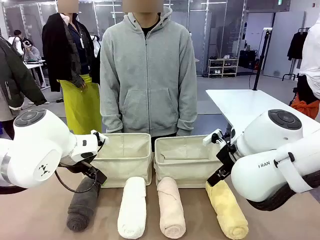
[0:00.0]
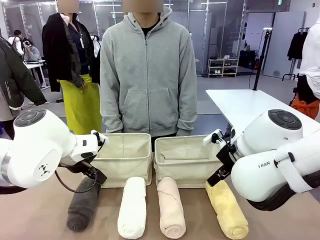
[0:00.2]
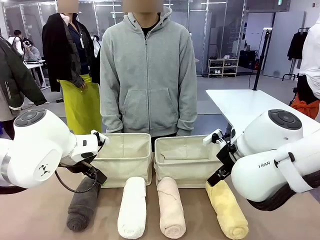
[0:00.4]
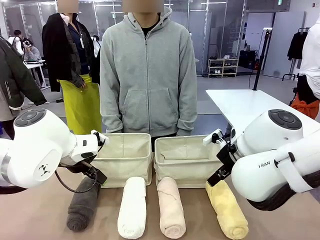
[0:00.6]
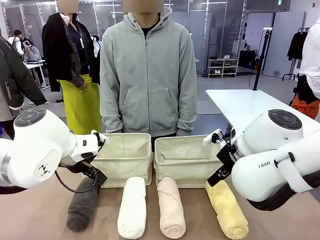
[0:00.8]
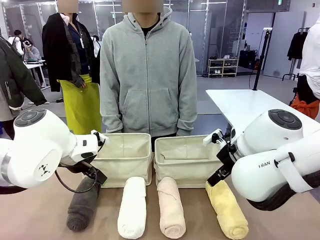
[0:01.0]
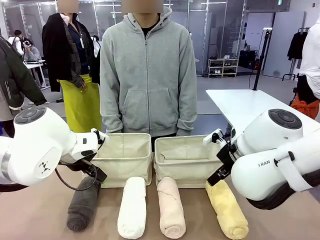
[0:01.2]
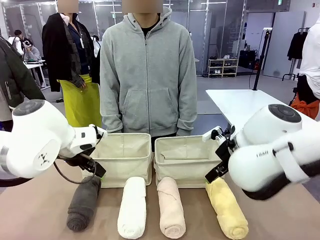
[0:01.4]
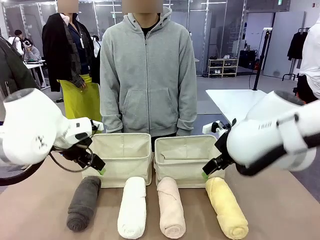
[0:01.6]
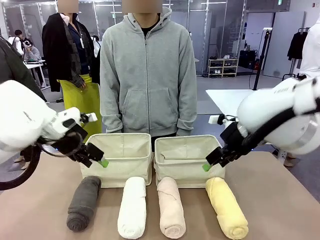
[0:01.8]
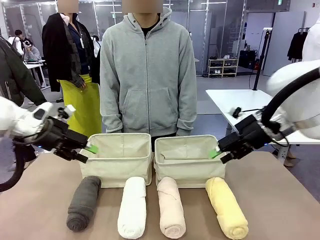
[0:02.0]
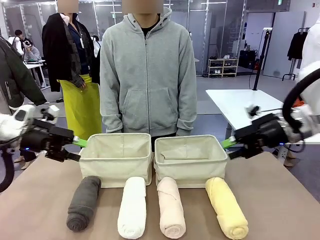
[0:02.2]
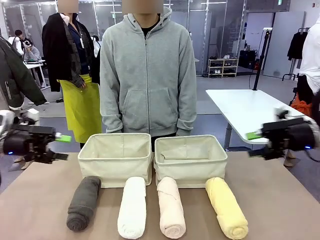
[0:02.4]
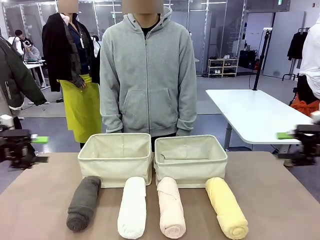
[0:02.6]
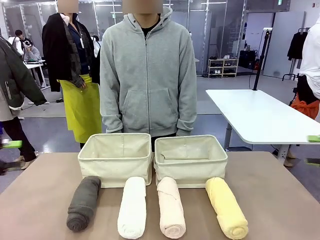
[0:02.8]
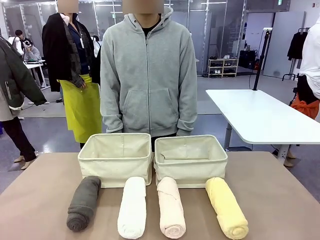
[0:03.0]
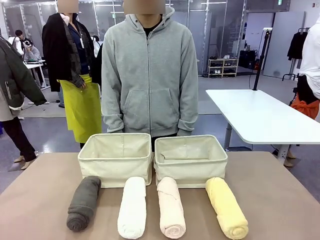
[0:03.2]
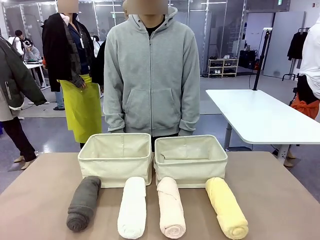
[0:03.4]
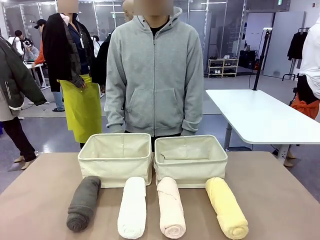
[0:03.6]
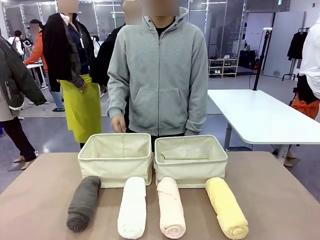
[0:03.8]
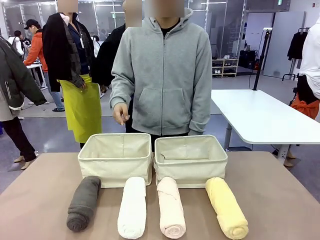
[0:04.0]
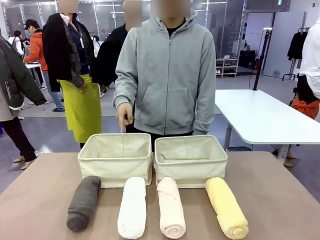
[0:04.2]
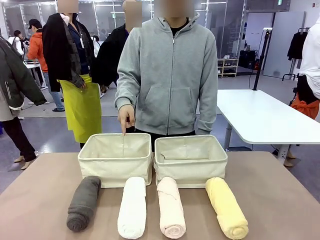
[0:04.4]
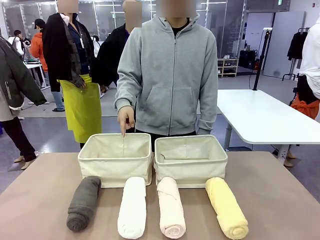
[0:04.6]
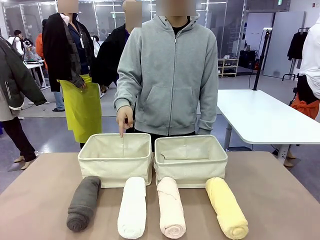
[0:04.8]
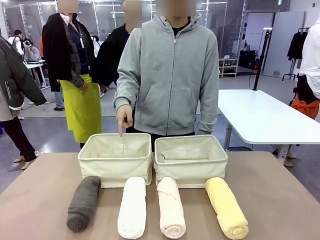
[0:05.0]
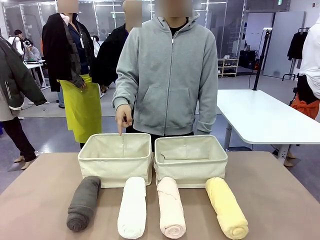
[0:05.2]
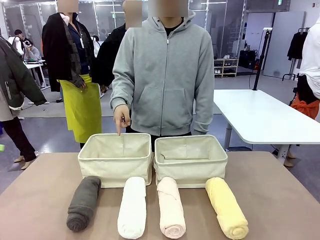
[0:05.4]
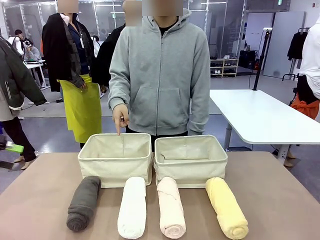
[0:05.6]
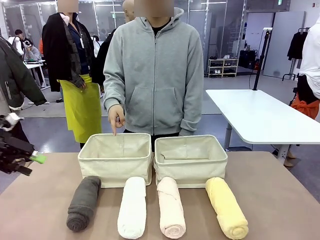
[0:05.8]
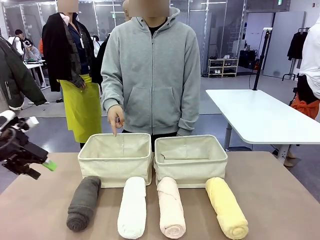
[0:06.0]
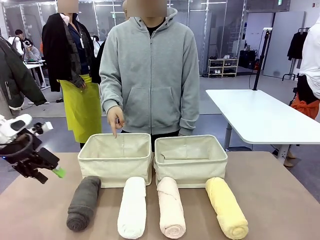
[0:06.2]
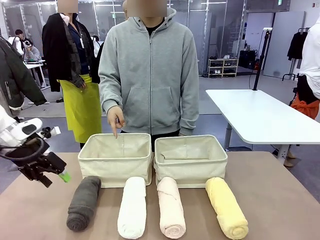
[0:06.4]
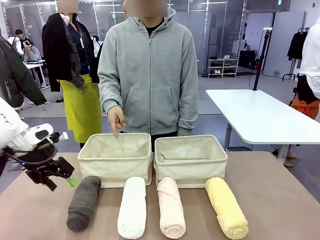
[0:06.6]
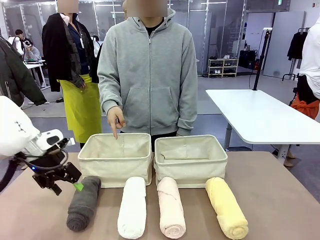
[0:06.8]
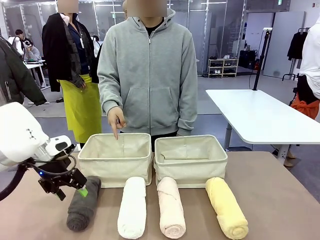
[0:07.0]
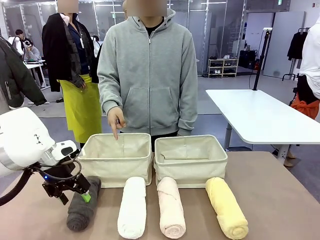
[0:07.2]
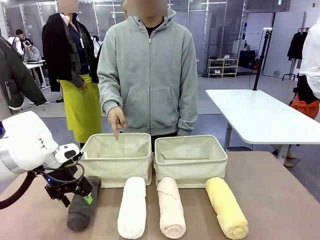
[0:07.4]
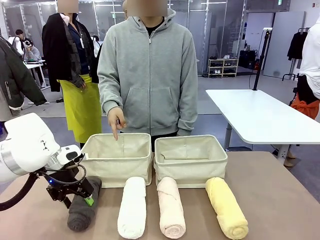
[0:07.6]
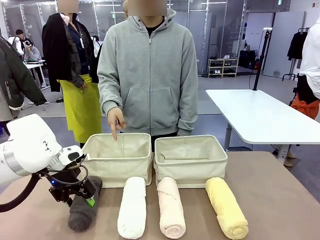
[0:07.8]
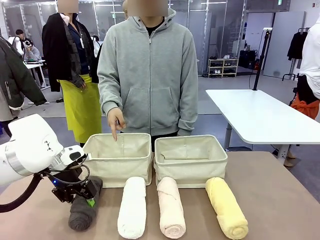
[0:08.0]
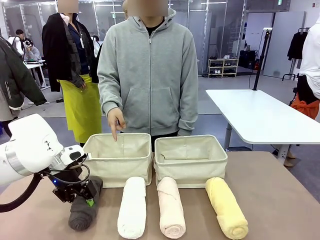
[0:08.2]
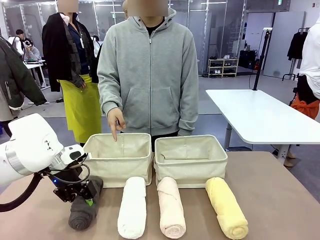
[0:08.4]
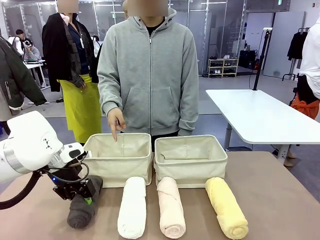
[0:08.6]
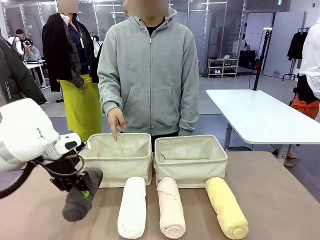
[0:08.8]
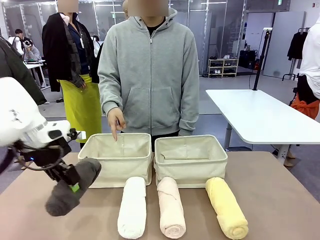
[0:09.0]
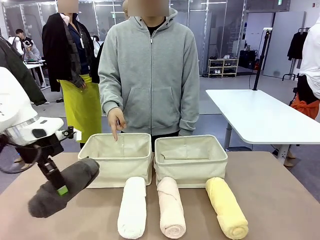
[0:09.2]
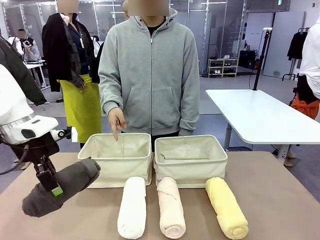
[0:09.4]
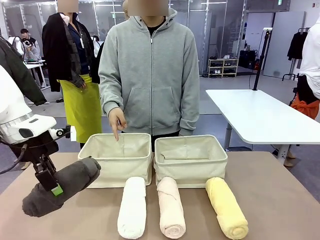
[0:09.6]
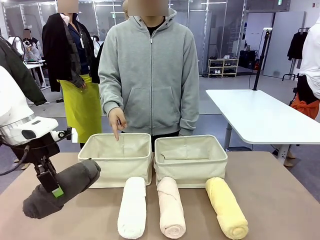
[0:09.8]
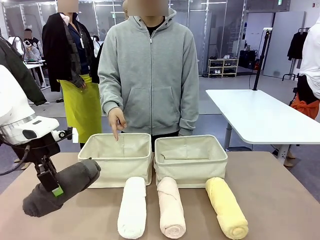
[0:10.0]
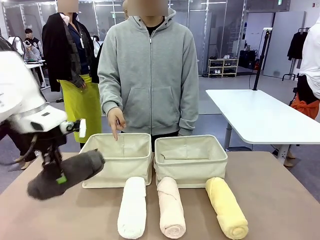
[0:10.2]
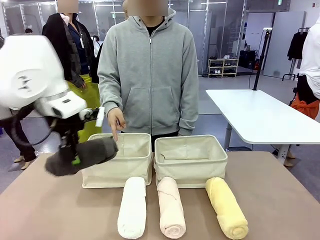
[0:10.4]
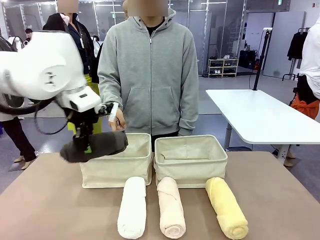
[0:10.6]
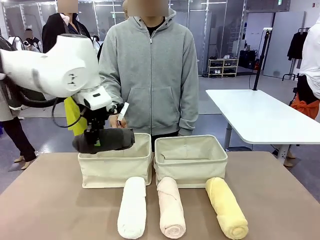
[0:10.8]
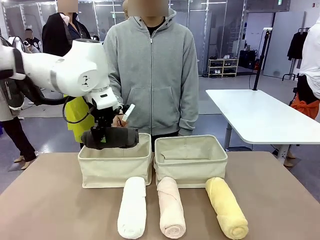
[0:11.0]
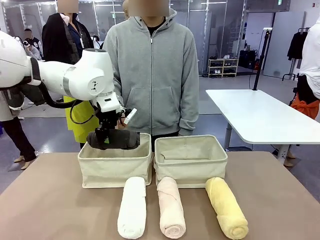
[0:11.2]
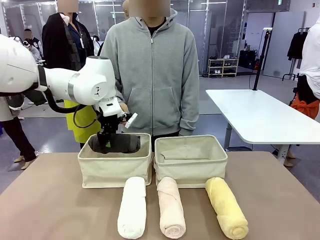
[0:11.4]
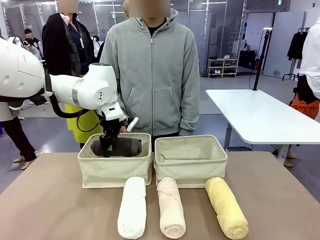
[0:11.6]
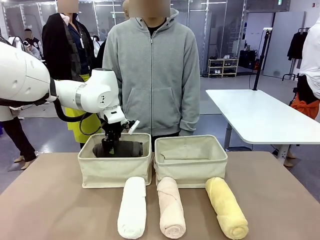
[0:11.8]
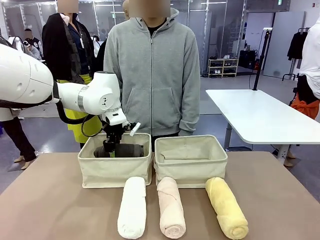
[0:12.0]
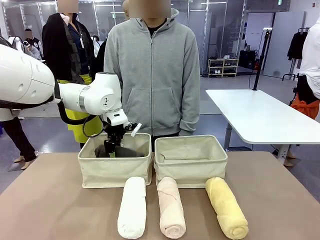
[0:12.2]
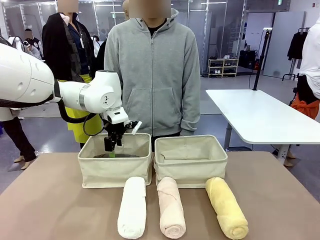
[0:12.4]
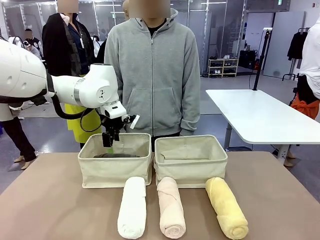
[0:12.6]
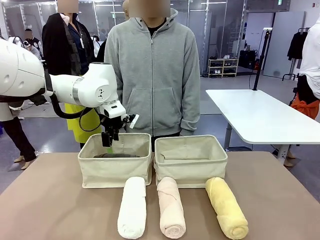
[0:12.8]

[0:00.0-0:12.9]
Task: Divide the towels into two baskets.
Robot: Pick up one hotel-folded towel and place it in the Fabric basket indicated by the person.
